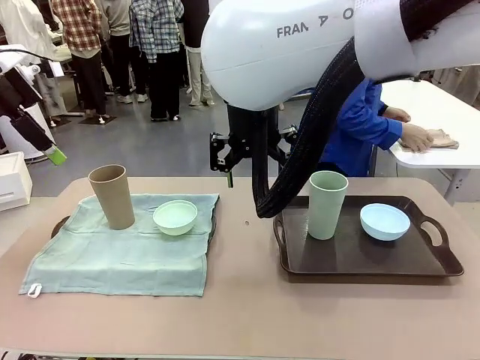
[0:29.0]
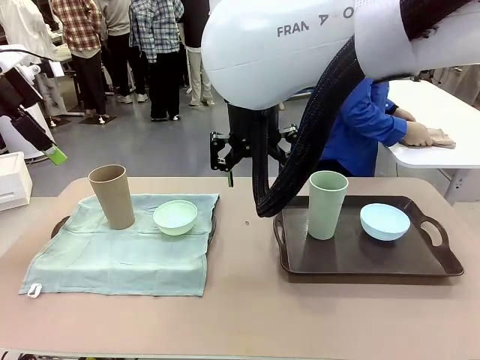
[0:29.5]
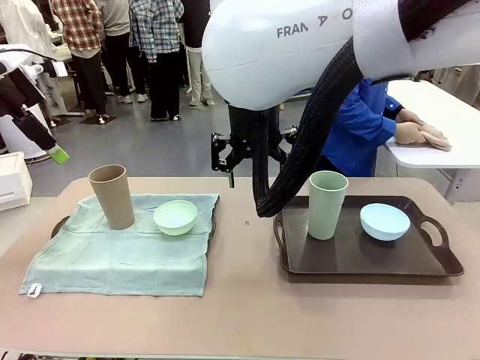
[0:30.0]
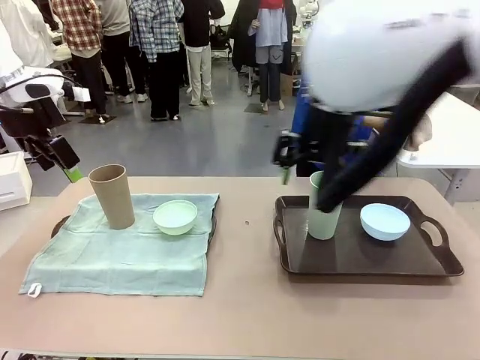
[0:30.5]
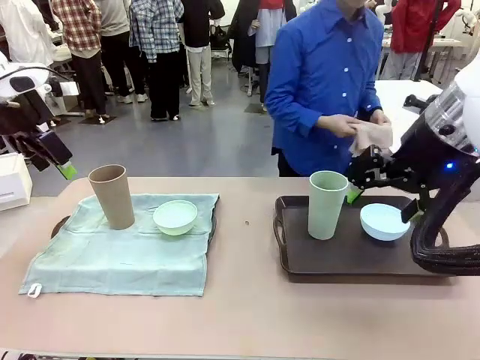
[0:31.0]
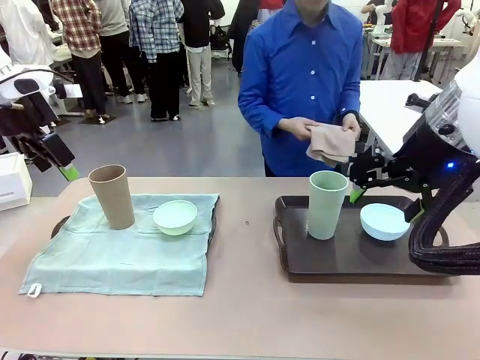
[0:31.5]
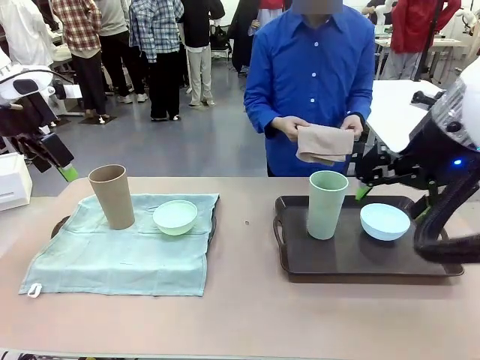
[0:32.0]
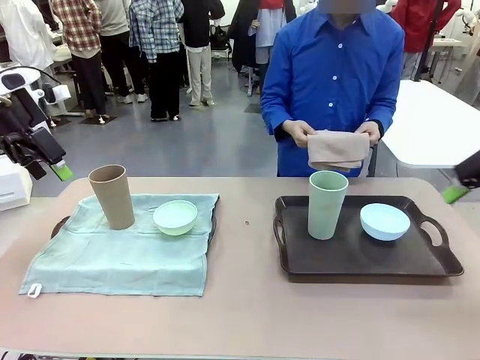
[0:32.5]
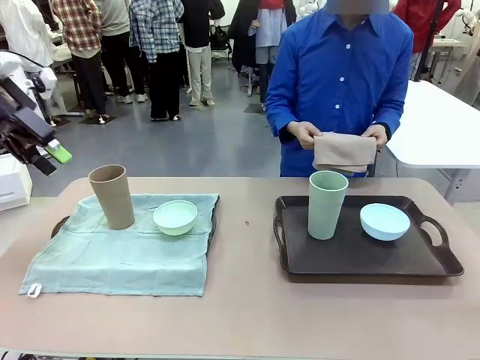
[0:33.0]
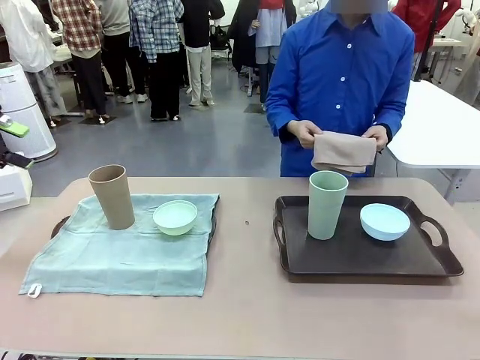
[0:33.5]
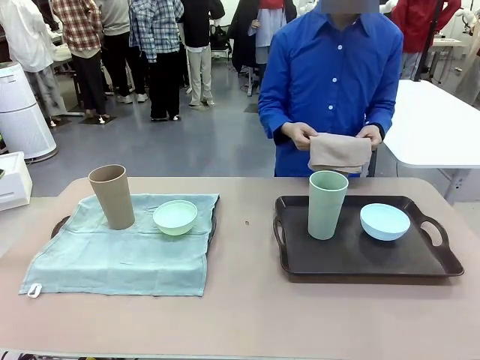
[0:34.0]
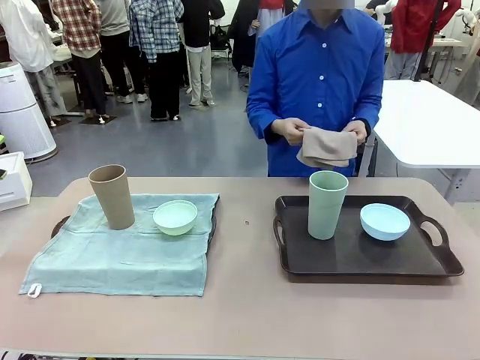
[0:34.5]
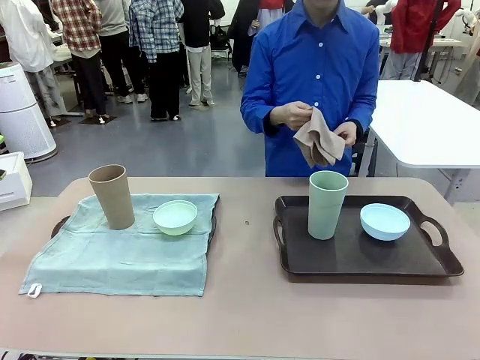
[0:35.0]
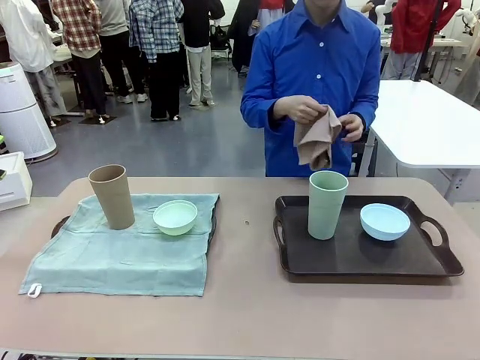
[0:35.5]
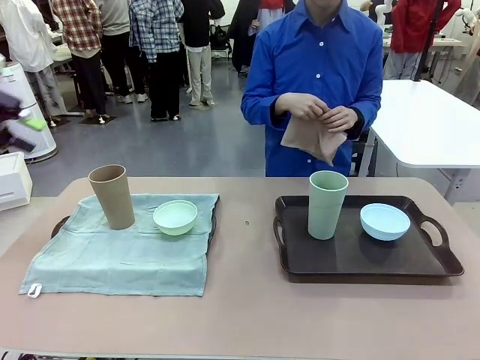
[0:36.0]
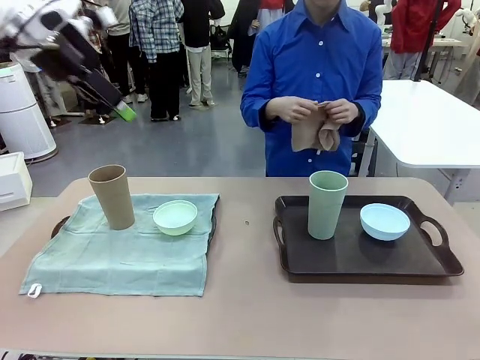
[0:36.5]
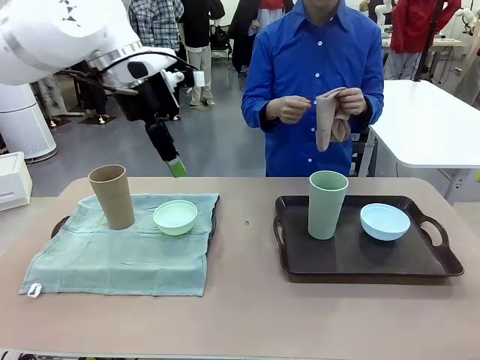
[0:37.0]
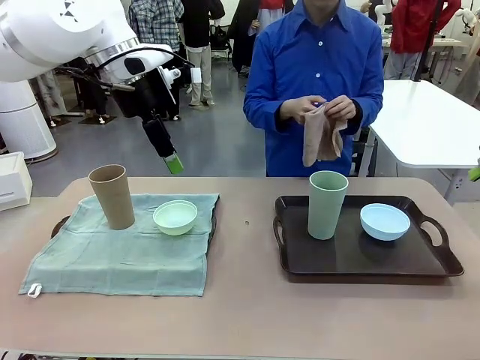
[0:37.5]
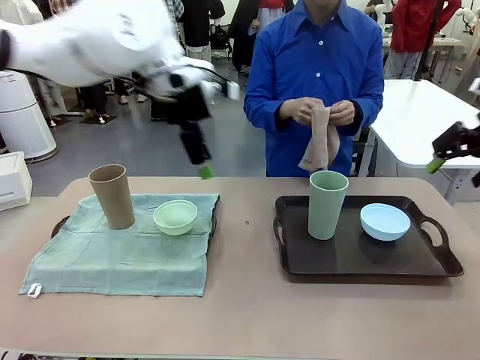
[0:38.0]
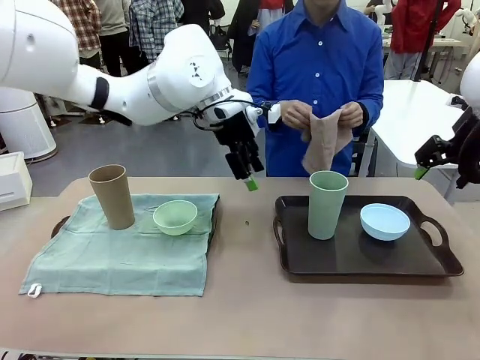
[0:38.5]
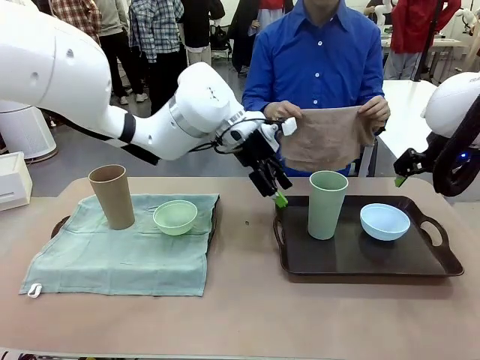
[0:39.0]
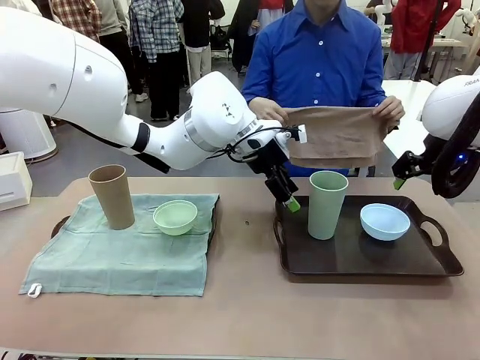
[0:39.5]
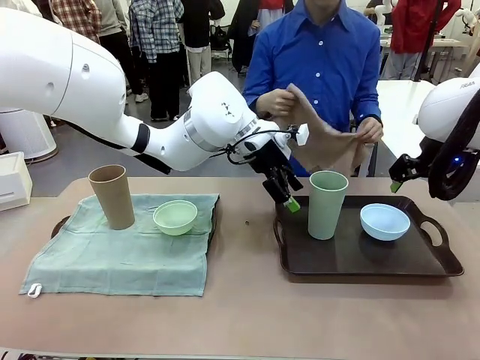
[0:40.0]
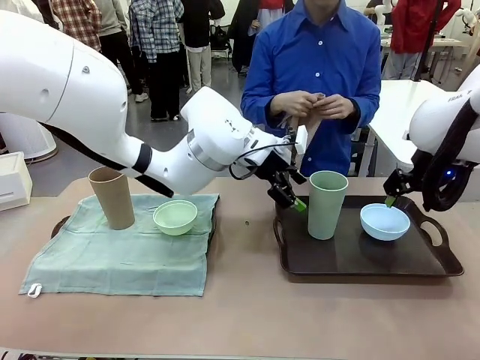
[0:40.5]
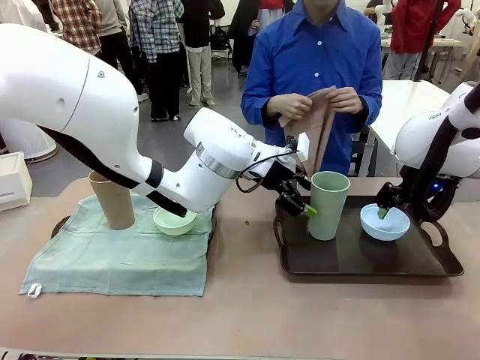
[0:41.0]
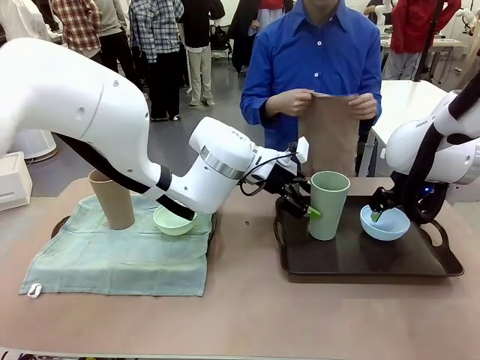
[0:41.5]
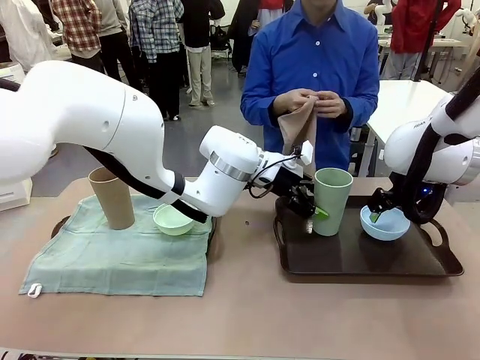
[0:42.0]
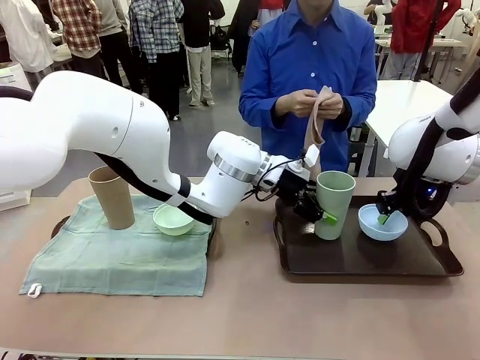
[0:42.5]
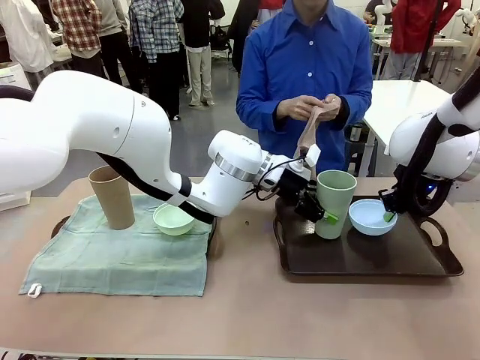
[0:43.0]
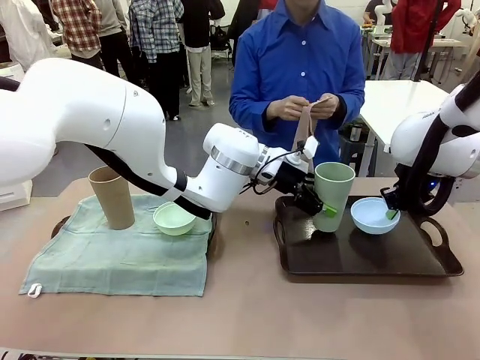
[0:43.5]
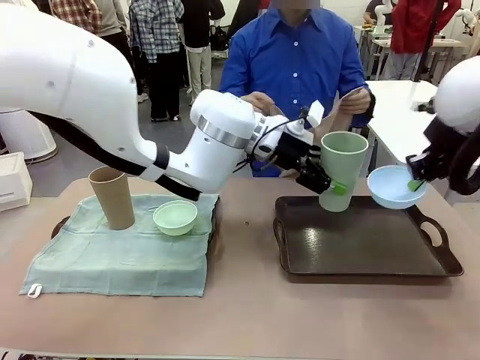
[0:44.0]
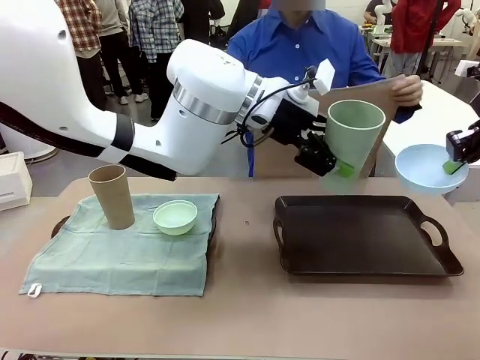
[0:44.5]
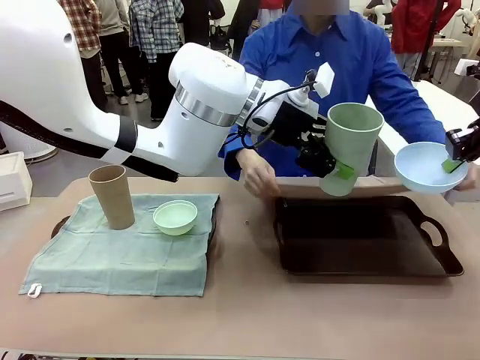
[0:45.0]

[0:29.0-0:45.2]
Robot: Pick up the Picnic Bowl and Reusable plastic cup from the Handle tray in front of the human's position and hold them in the air.
Person: The human returns to the human table to pick up another napkin and walks to the robot table to stand in front of the tray without a napkin. When the robot lifts the bowl and the cup, the human unfolds the napkin and lays the napkin flat on the tray.

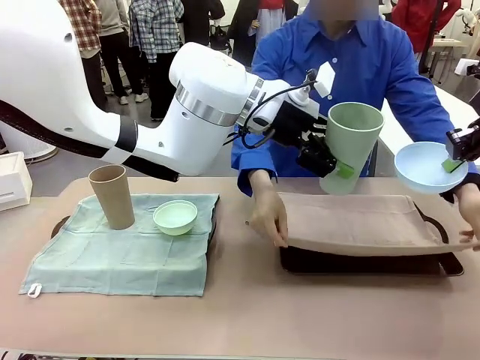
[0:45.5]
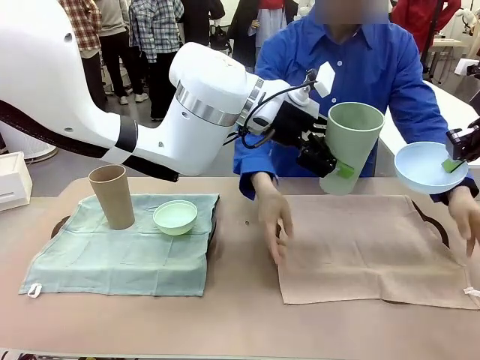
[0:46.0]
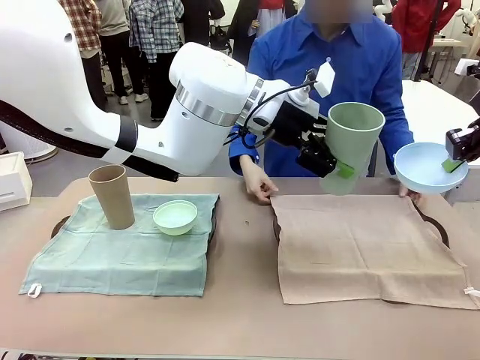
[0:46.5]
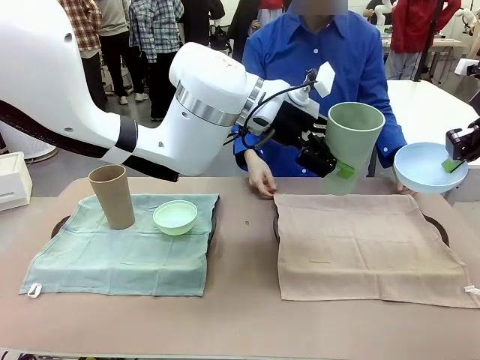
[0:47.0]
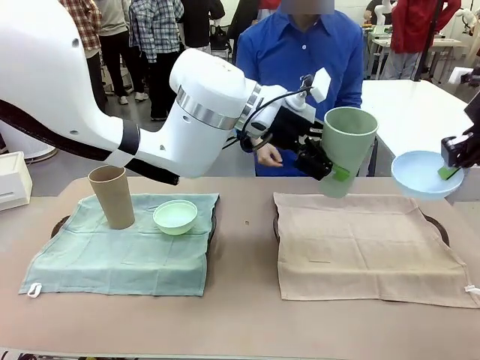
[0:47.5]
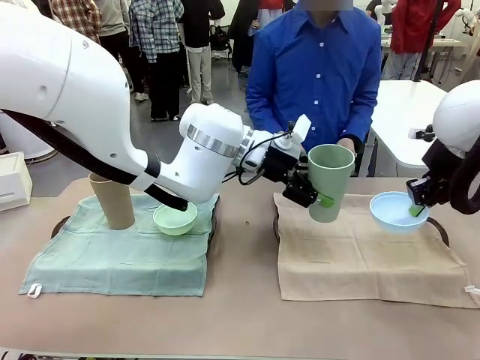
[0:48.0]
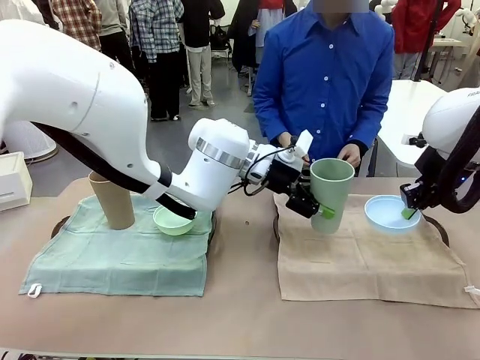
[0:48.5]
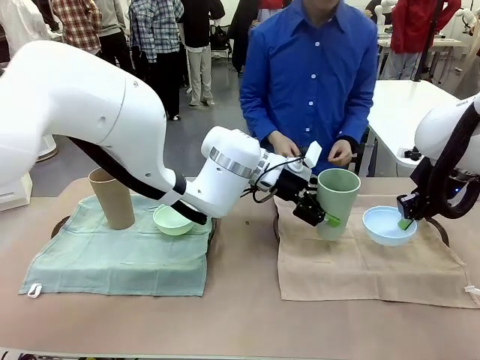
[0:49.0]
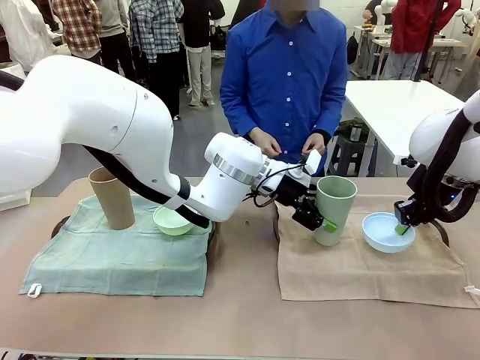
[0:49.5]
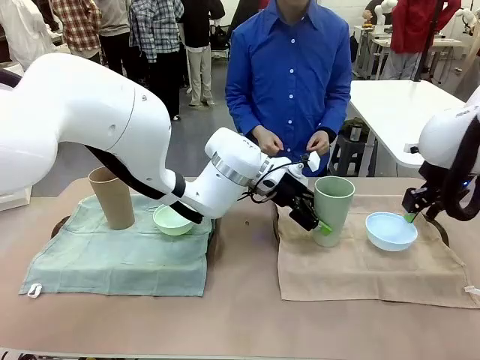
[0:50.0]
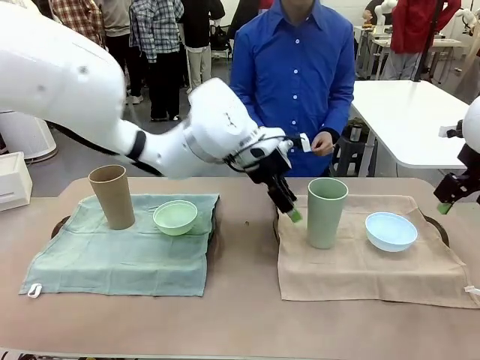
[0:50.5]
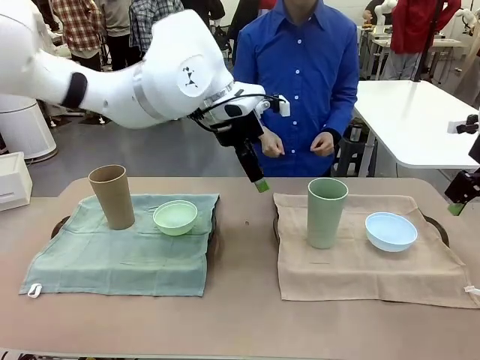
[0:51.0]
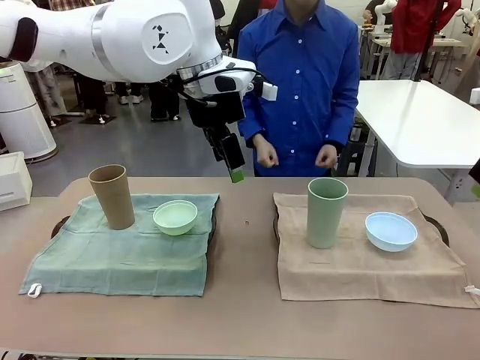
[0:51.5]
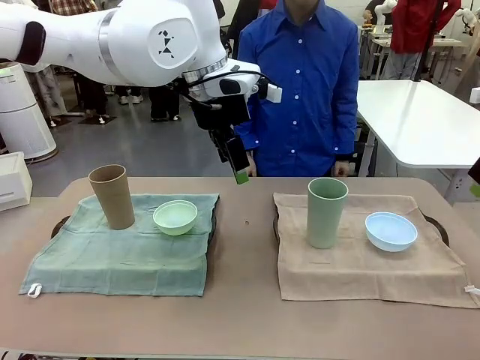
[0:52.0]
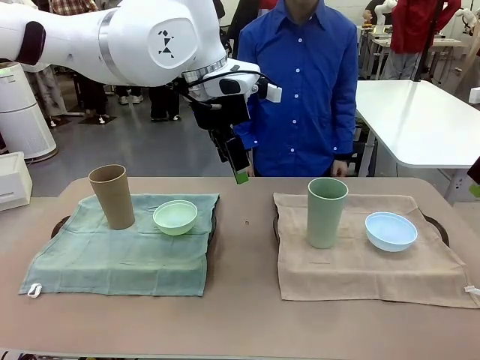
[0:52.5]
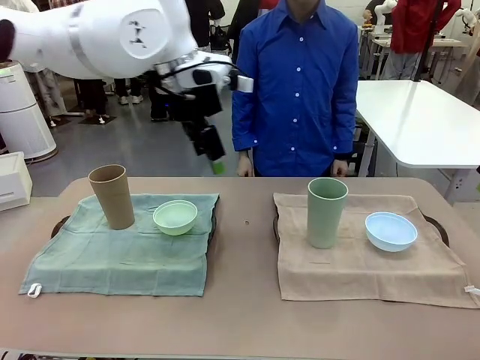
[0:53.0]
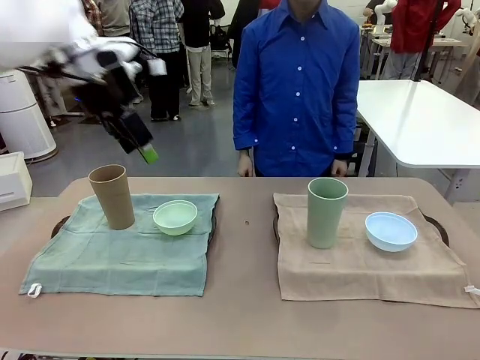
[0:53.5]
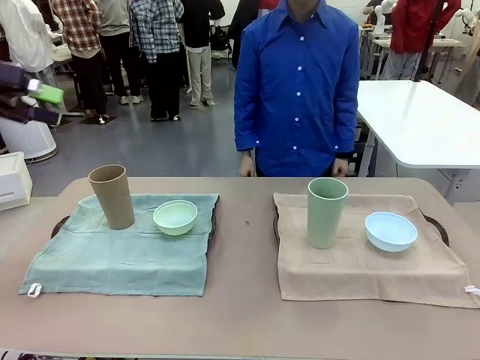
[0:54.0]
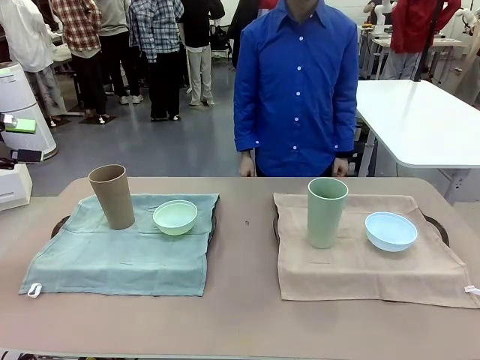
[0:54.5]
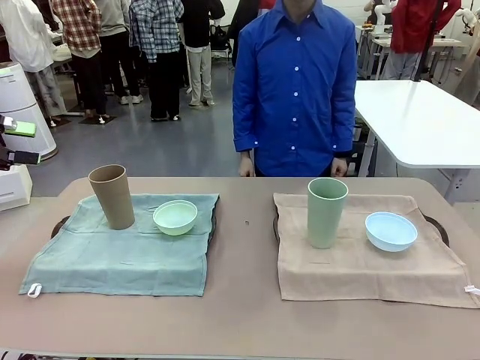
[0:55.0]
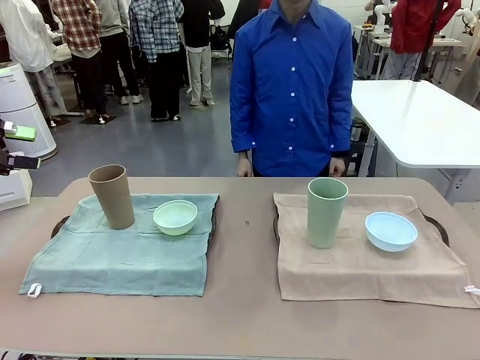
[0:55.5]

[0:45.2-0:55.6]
Robot: Place the Picnic Bowl and Reusable plastic cup back onto the Handle tray in front of the human's position.
